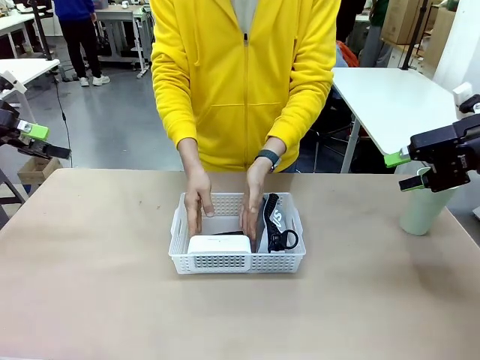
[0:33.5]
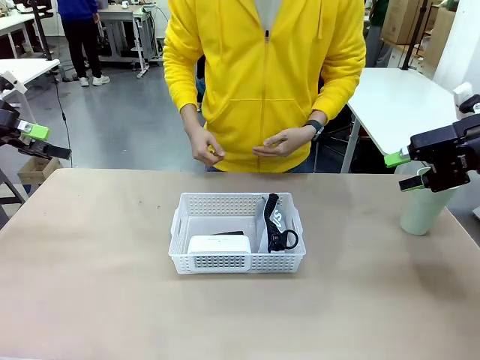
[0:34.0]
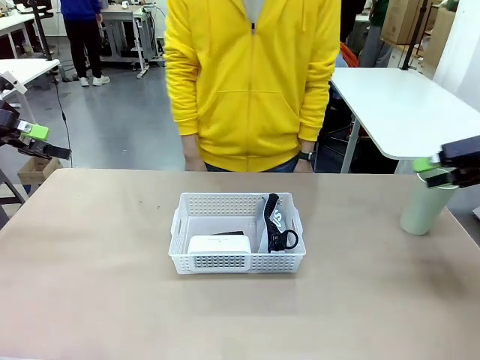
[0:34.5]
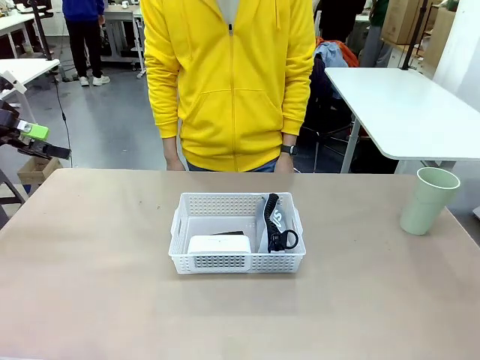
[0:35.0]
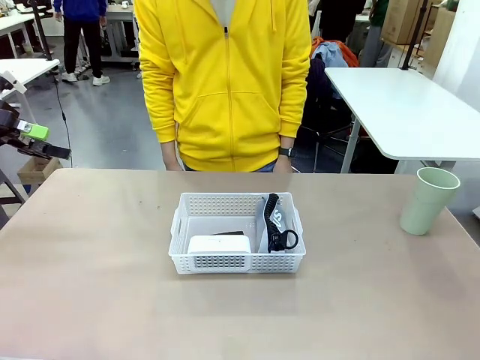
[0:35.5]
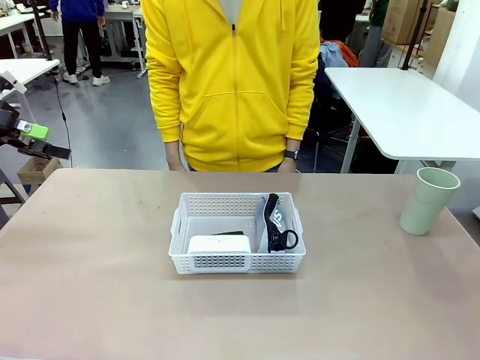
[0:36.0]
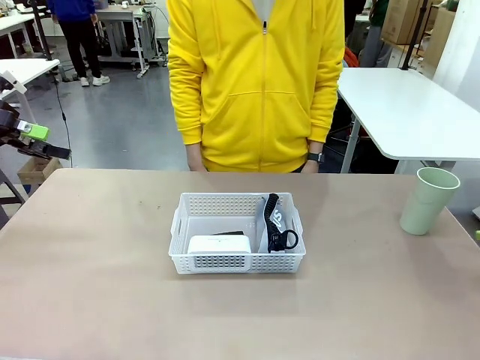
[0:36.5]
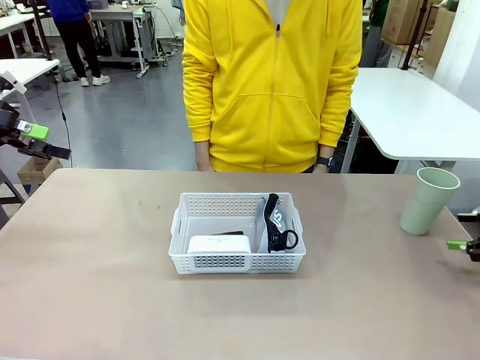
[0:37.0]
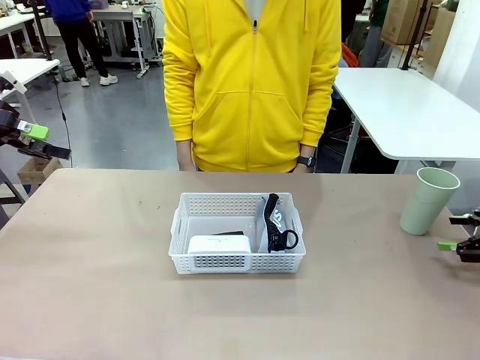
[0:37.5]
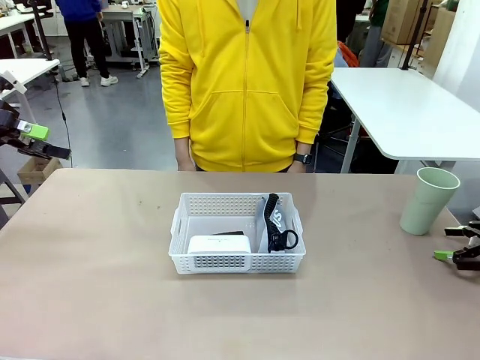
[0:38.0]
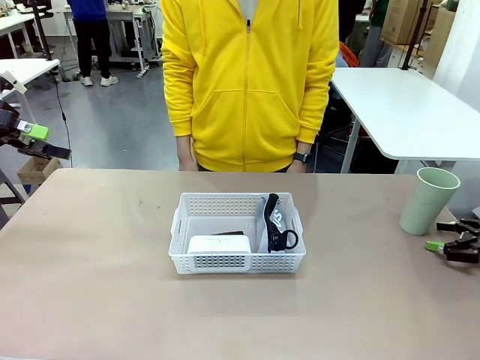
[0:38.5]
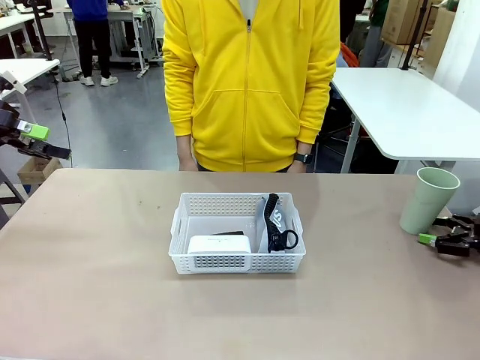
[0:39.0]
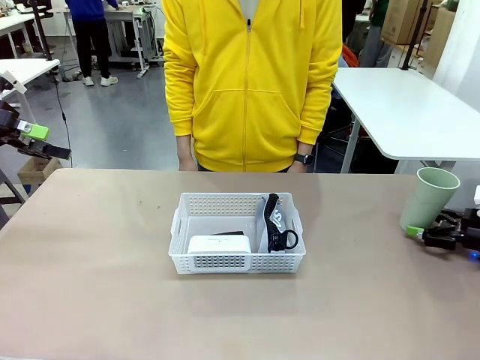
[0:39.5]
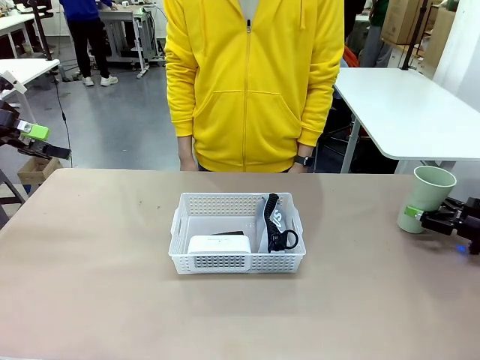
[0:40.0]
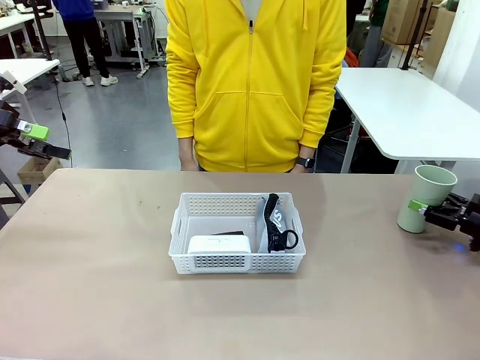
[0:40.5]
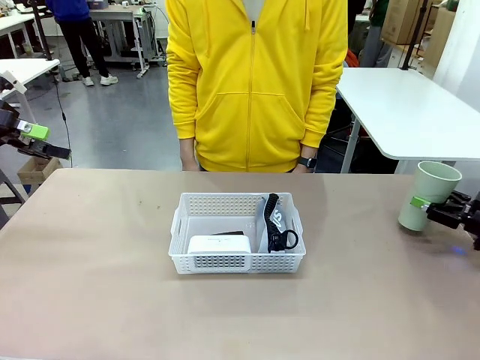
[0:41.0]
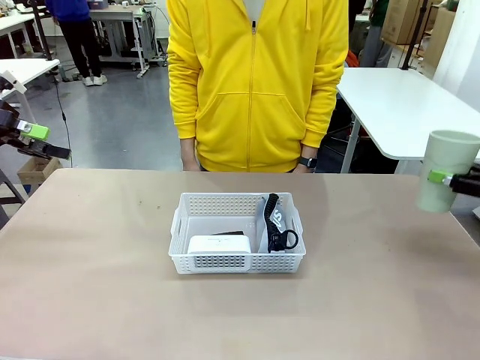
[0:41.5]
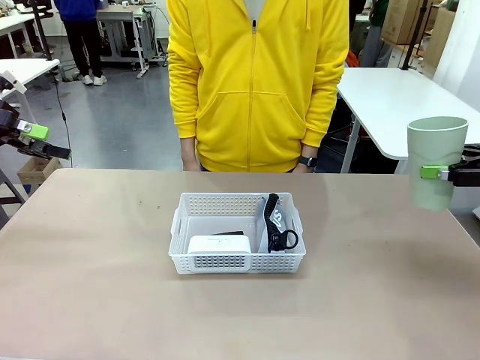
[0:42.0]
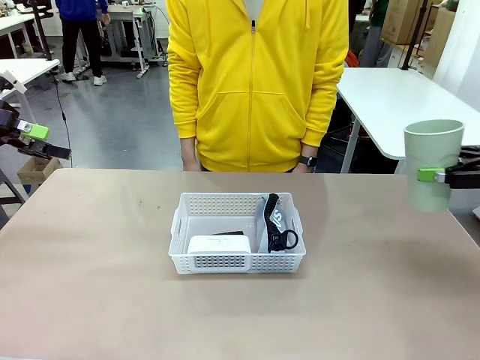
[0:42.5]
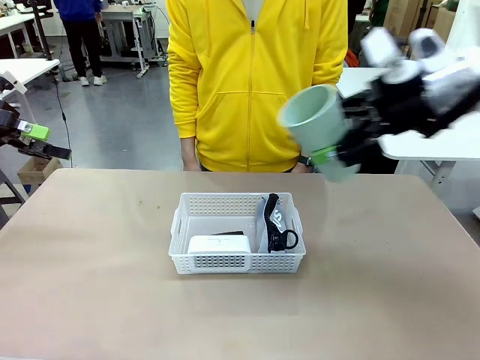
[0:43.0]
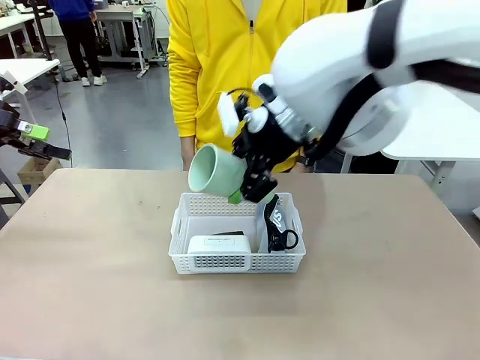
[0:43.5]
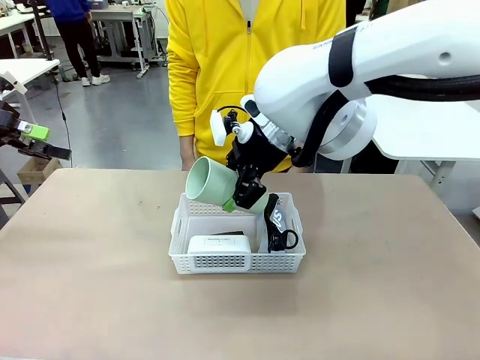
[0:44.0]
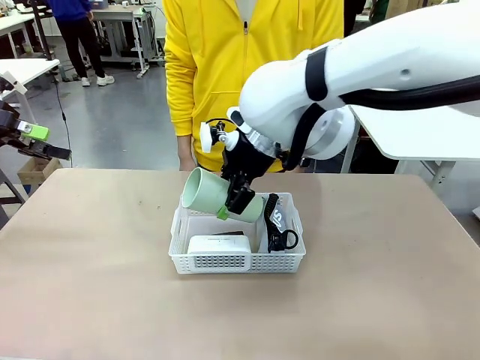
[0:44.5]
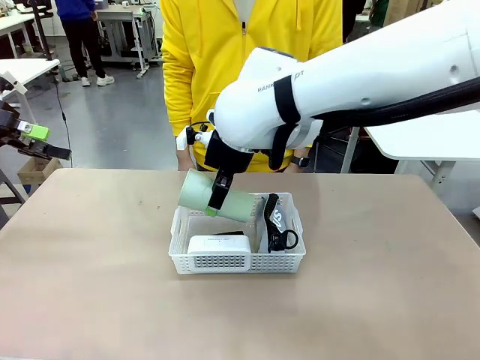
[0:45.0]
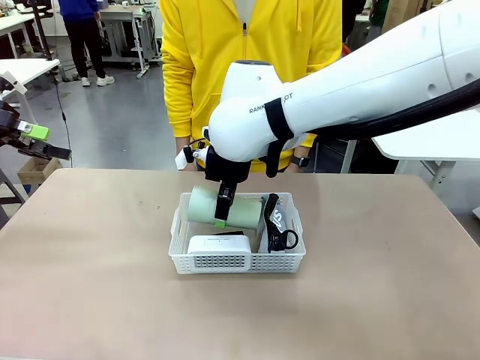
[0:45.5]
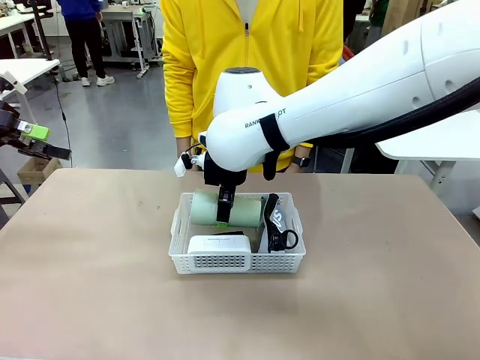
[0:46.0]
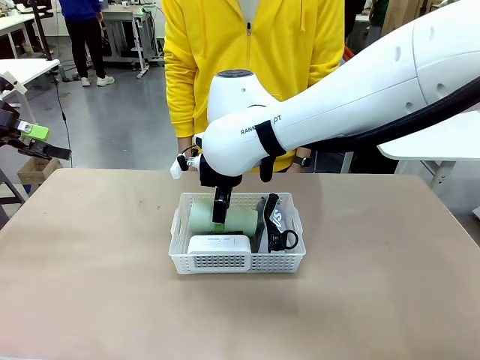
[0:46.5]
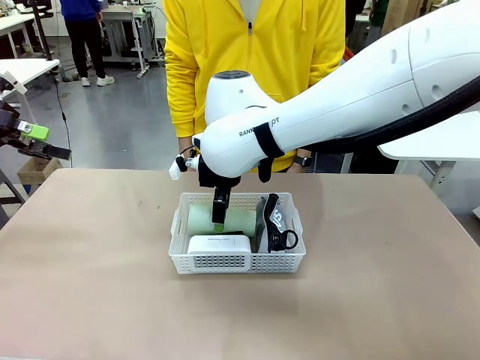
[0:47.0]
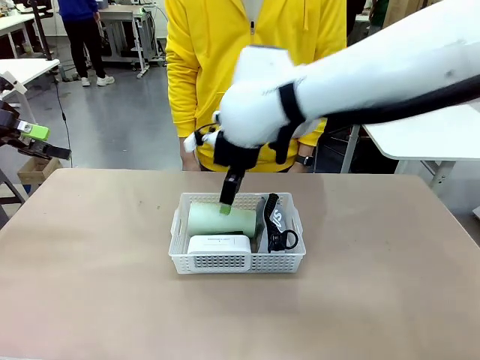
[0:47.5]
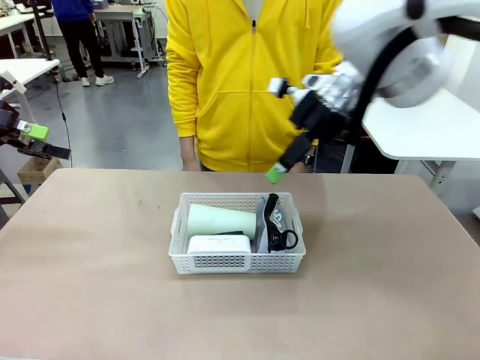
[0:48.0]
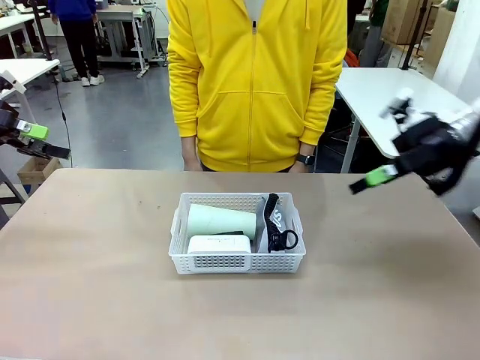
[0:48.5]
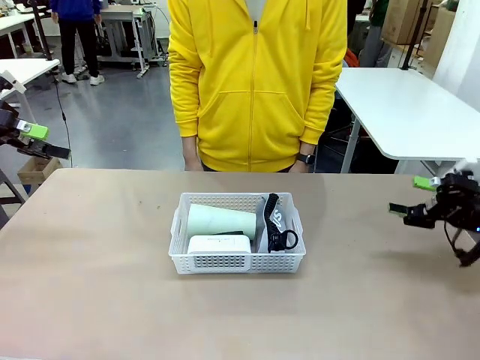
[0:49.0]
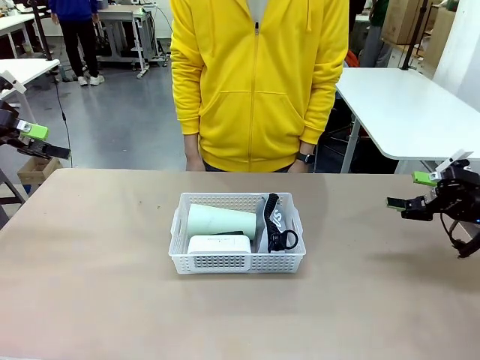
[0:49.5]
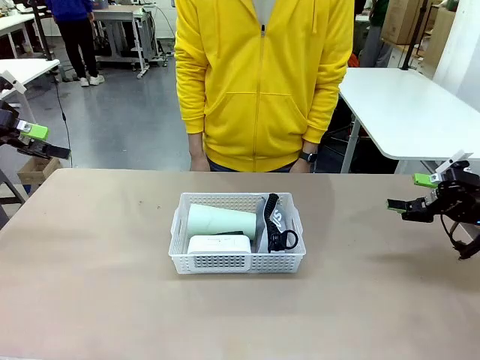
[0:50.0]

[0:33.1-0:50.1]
Task: Efficiently arrange items inside the basket to fit them all.
Robot: Pick up the Reusable plastic cup and place it inside the Organizing basket.
Person: Repositions the stapler.

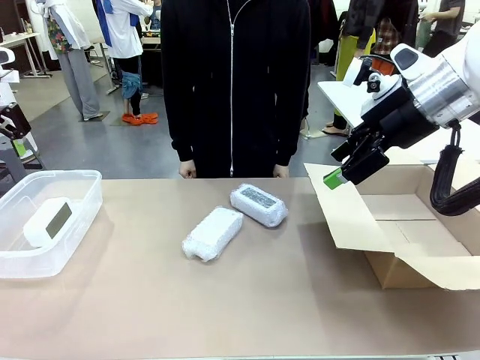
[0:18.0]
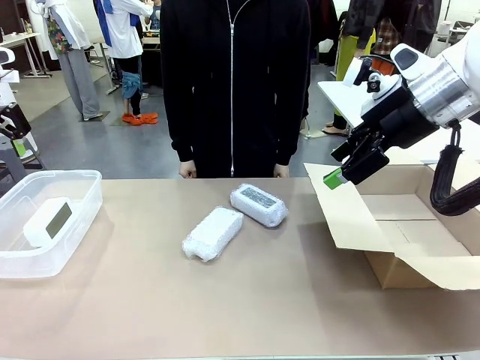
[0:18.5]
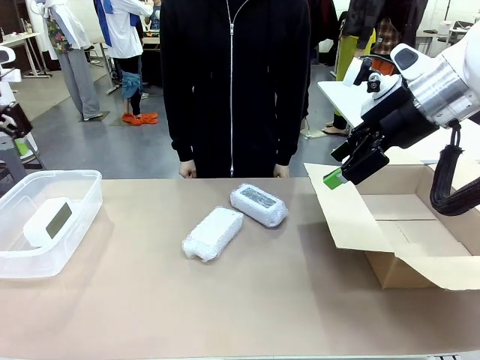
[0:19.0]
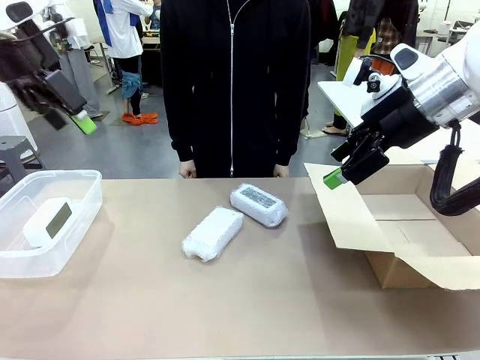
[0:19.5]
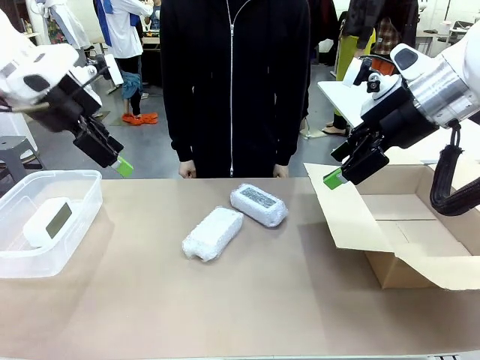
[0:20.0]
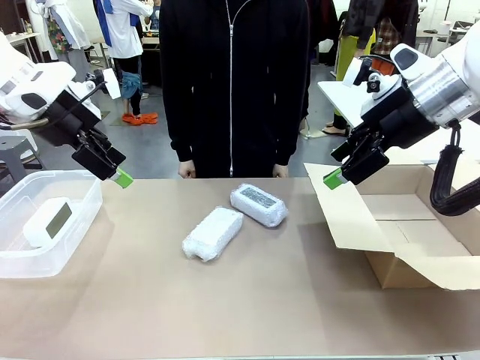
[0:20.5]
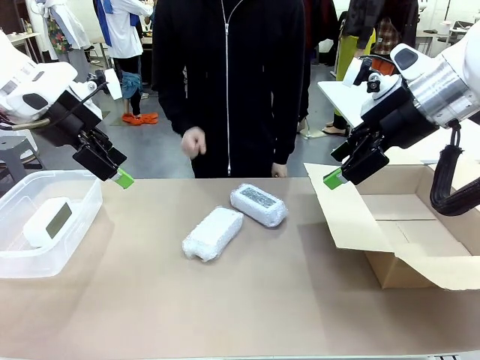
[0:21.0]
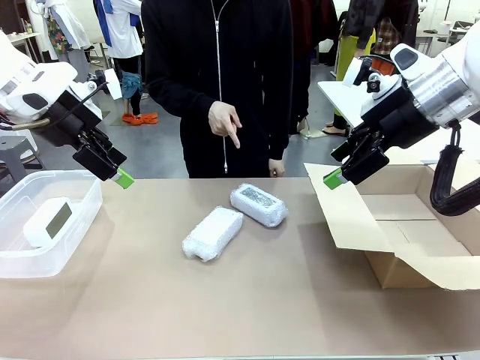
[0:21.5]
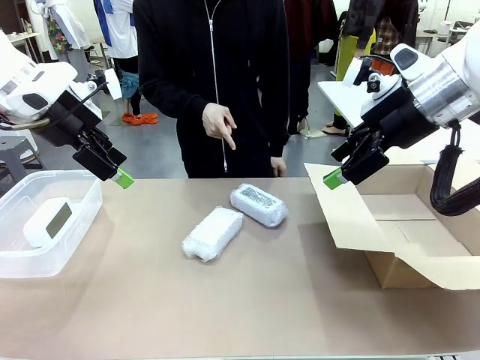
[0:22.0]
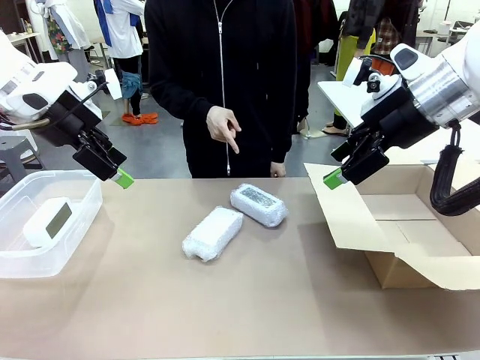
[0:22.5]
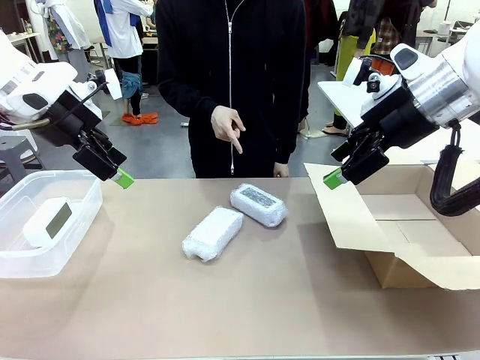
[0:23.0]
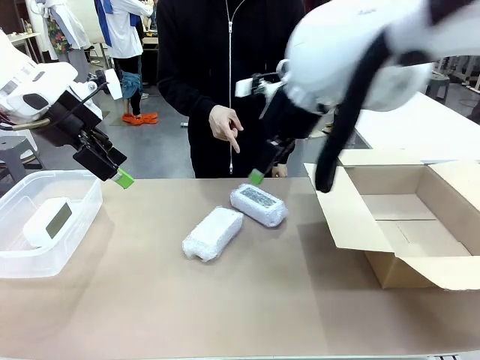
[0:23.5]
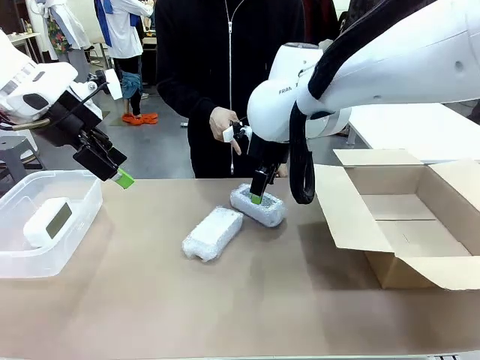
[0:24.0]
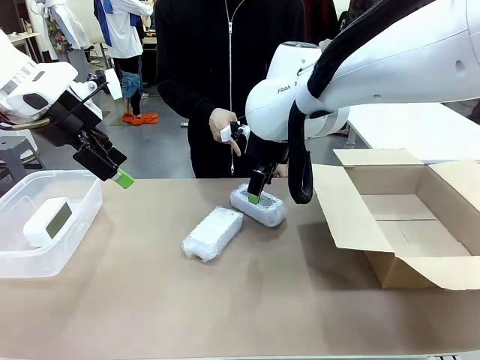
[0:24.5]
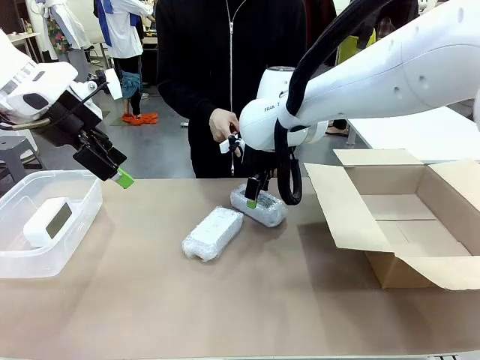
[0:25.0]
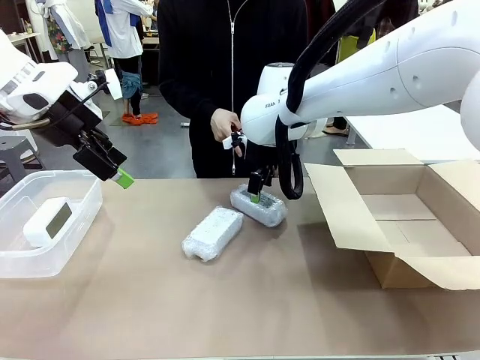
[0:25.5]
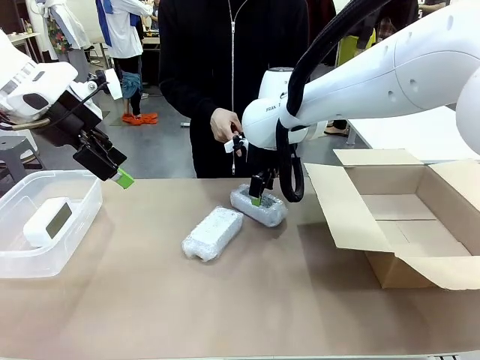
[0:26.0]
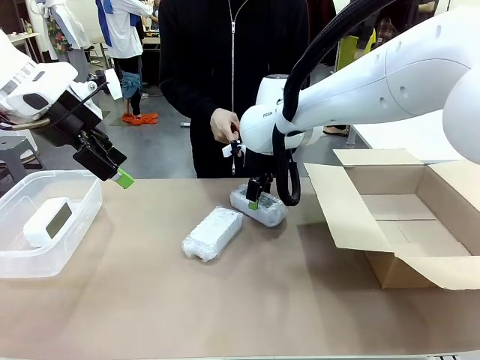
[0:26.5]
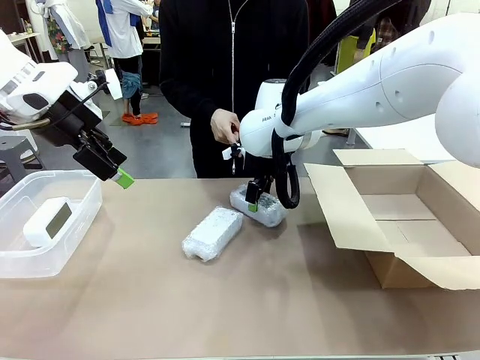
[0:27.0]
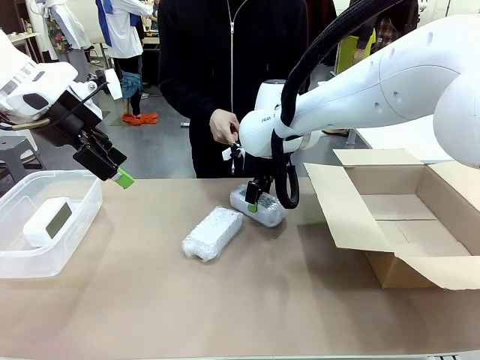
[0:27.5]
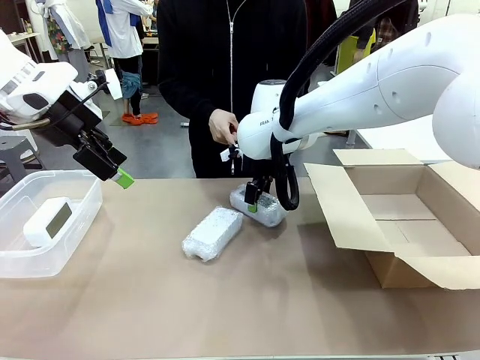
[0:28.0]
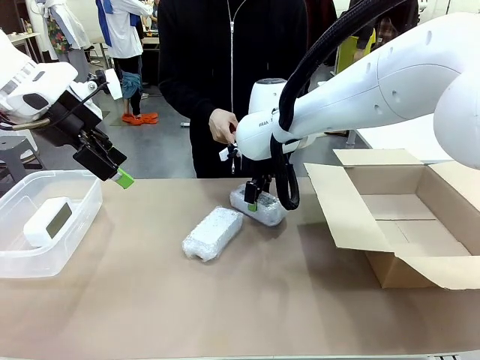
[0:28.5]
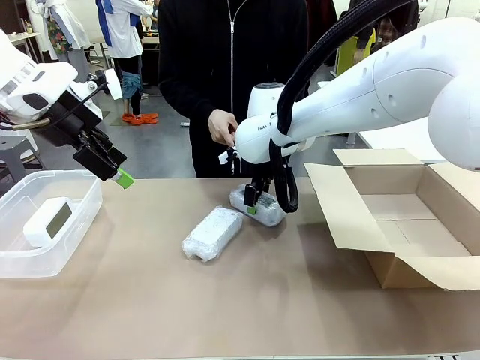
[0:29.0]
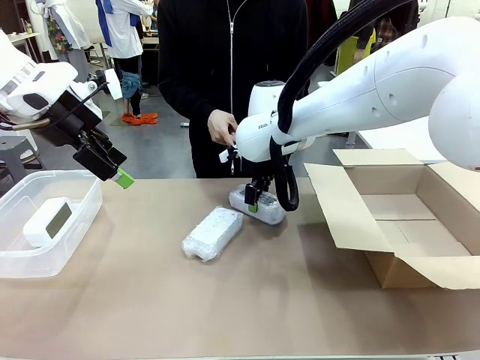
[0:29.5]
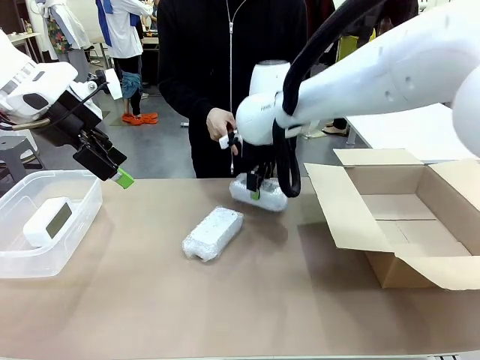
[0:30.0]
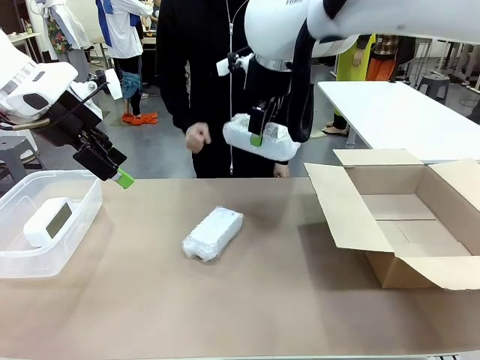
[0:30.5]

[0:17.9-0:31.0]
Task: Separate and place wrapped and unwrapped clocks.
Robot: Pick up the Digital clock indicated by the person.
